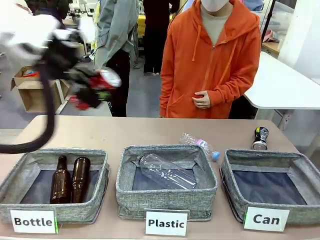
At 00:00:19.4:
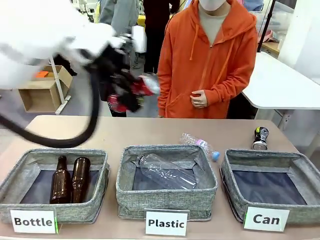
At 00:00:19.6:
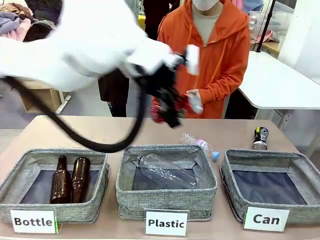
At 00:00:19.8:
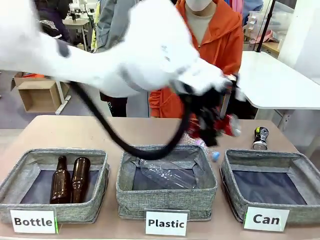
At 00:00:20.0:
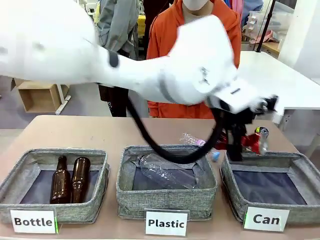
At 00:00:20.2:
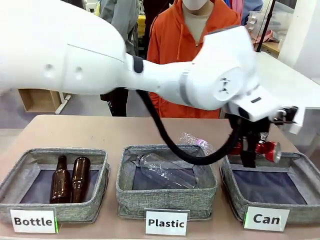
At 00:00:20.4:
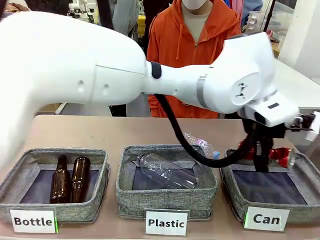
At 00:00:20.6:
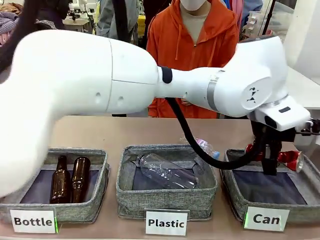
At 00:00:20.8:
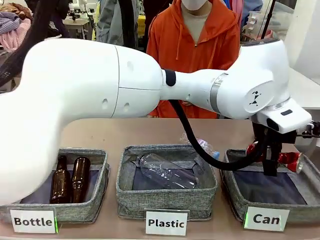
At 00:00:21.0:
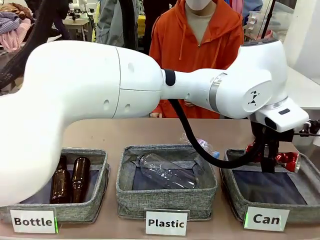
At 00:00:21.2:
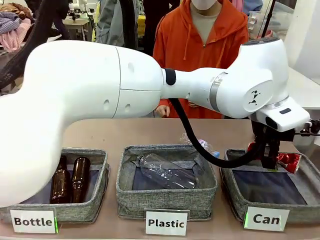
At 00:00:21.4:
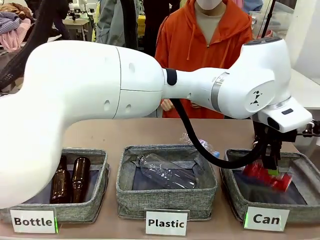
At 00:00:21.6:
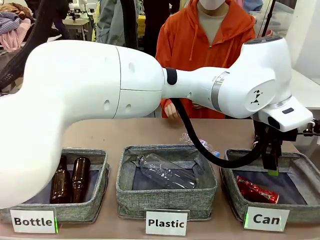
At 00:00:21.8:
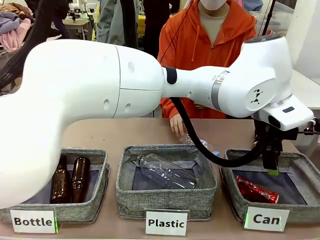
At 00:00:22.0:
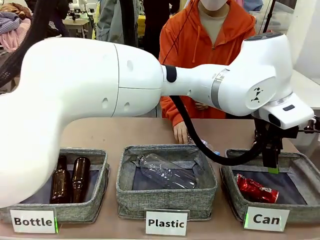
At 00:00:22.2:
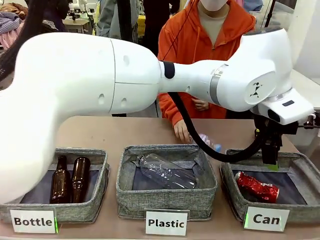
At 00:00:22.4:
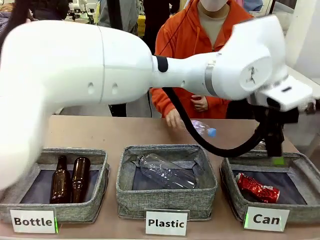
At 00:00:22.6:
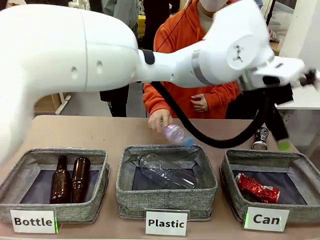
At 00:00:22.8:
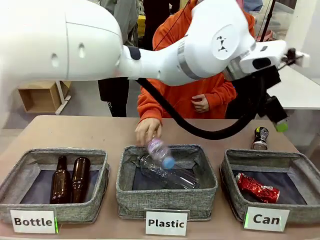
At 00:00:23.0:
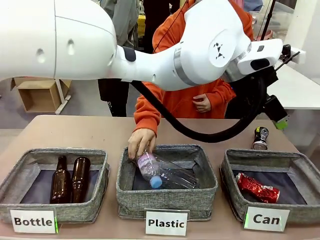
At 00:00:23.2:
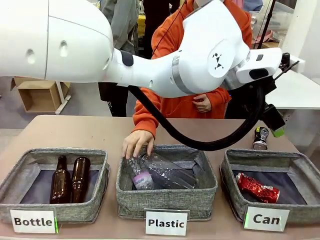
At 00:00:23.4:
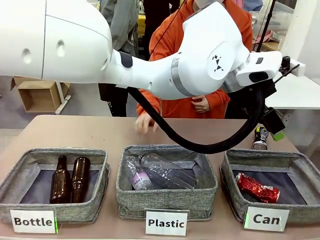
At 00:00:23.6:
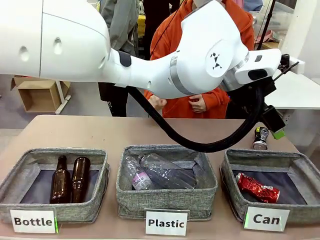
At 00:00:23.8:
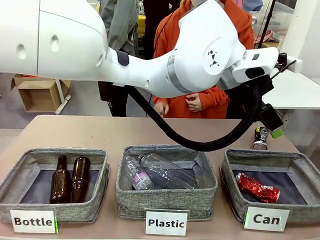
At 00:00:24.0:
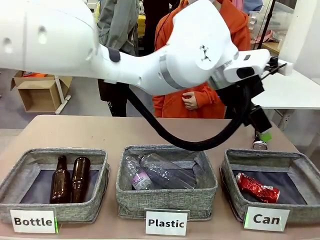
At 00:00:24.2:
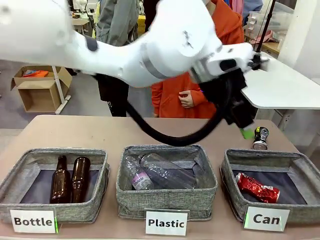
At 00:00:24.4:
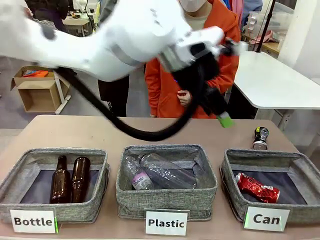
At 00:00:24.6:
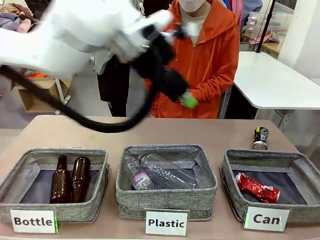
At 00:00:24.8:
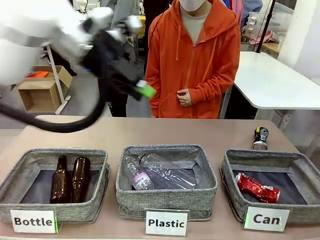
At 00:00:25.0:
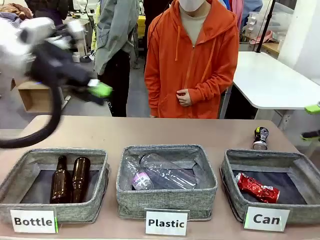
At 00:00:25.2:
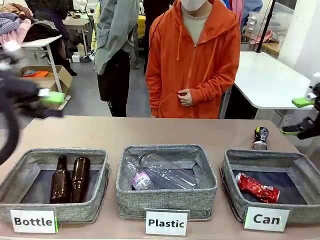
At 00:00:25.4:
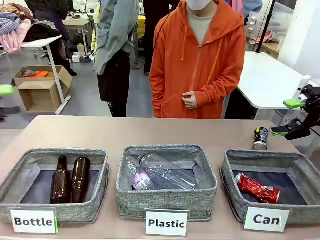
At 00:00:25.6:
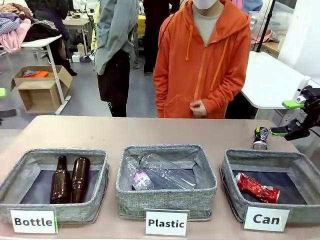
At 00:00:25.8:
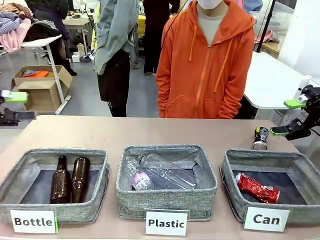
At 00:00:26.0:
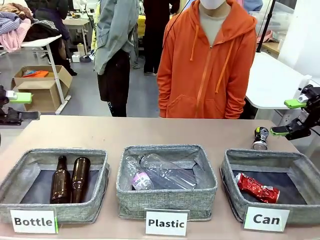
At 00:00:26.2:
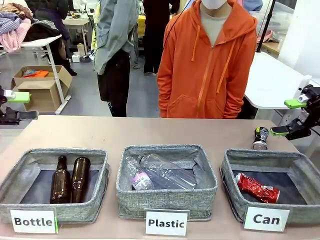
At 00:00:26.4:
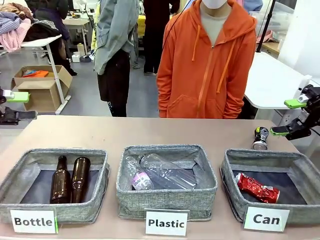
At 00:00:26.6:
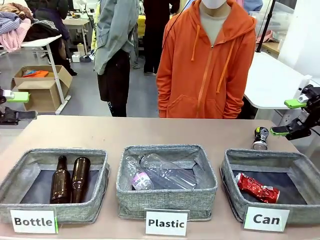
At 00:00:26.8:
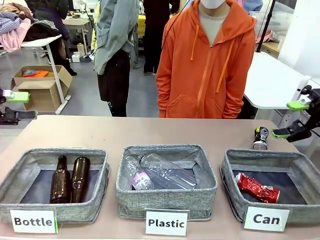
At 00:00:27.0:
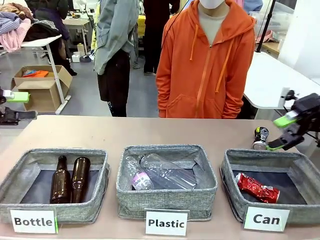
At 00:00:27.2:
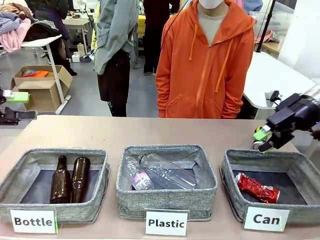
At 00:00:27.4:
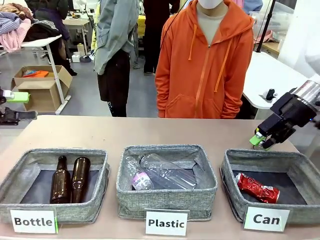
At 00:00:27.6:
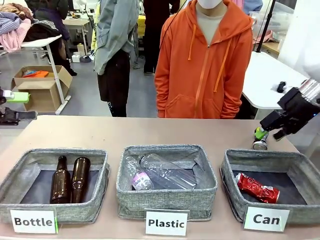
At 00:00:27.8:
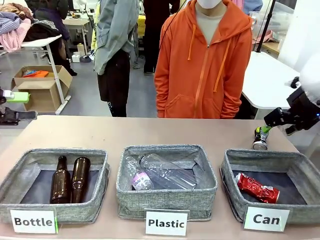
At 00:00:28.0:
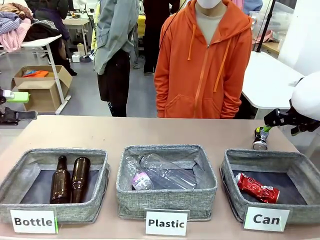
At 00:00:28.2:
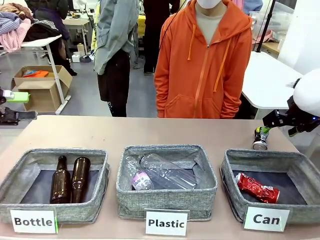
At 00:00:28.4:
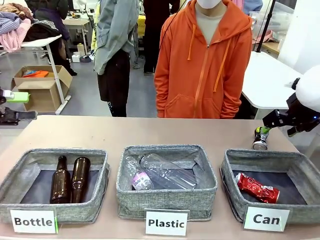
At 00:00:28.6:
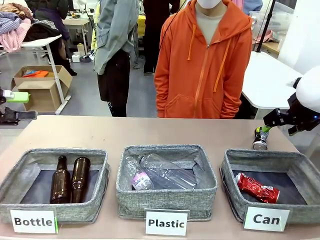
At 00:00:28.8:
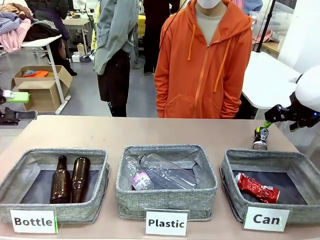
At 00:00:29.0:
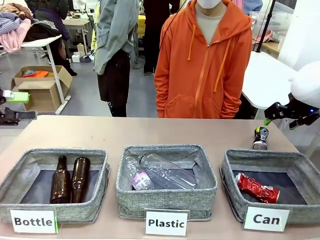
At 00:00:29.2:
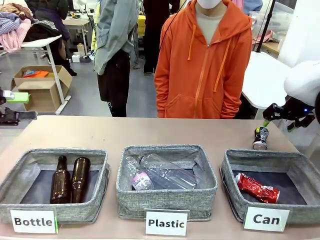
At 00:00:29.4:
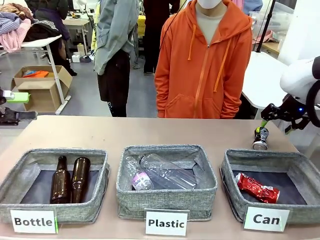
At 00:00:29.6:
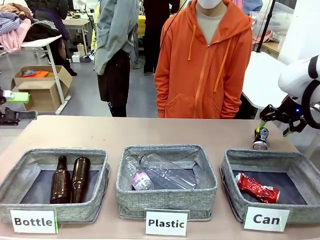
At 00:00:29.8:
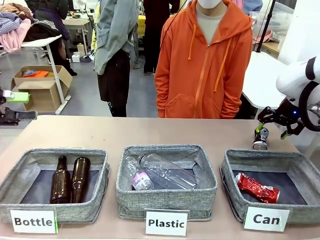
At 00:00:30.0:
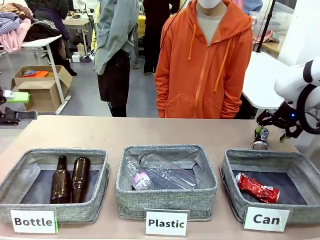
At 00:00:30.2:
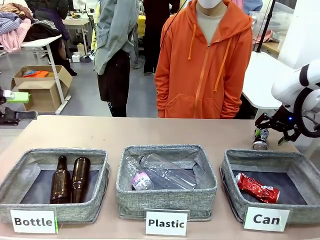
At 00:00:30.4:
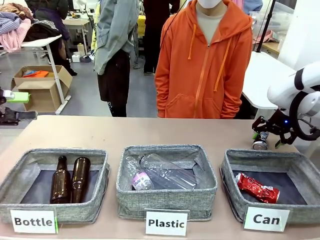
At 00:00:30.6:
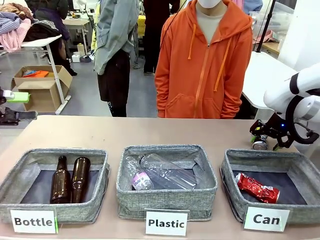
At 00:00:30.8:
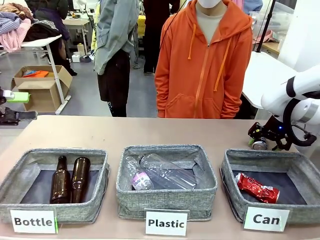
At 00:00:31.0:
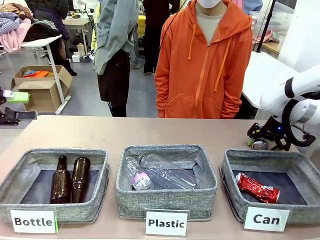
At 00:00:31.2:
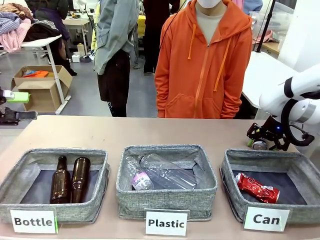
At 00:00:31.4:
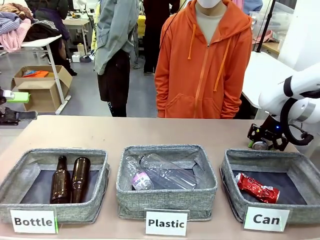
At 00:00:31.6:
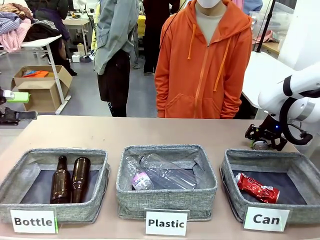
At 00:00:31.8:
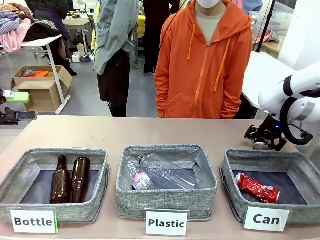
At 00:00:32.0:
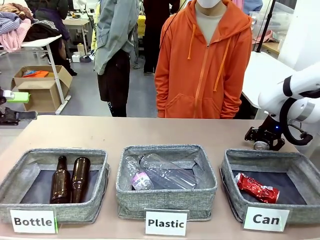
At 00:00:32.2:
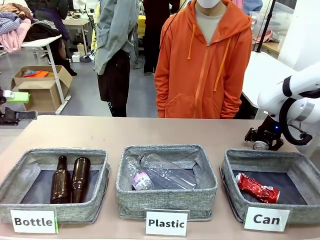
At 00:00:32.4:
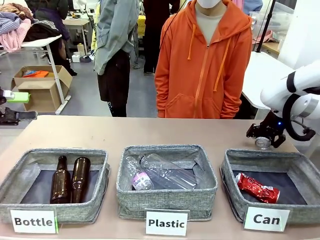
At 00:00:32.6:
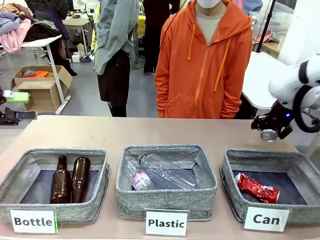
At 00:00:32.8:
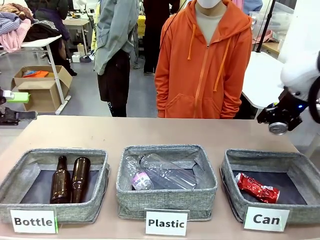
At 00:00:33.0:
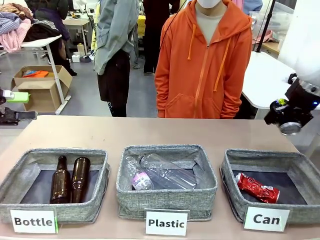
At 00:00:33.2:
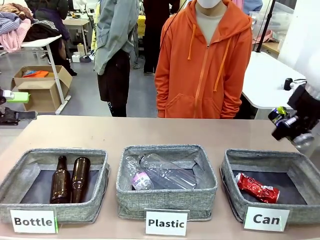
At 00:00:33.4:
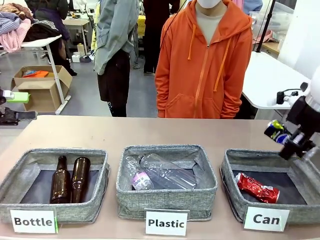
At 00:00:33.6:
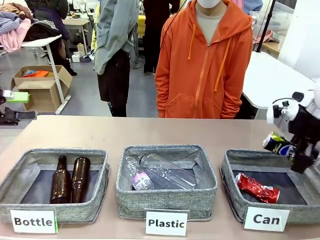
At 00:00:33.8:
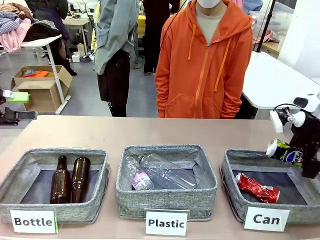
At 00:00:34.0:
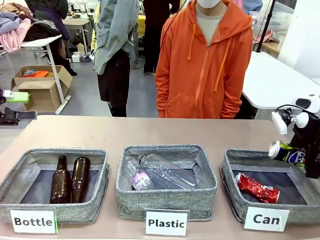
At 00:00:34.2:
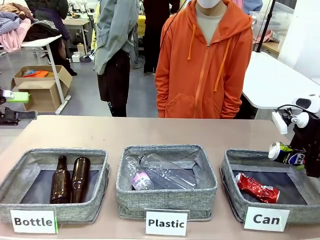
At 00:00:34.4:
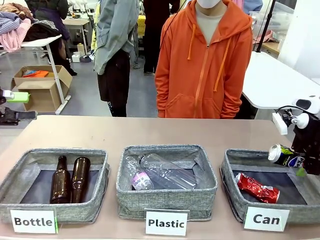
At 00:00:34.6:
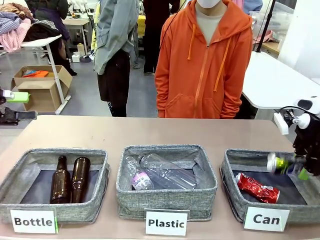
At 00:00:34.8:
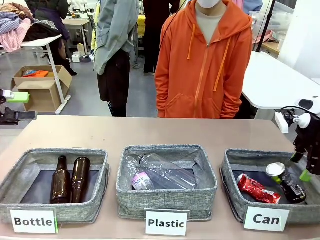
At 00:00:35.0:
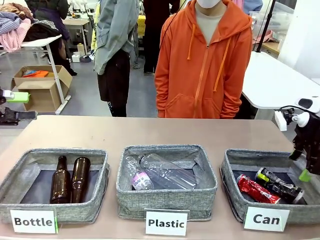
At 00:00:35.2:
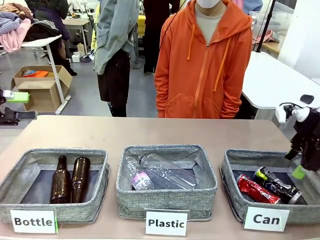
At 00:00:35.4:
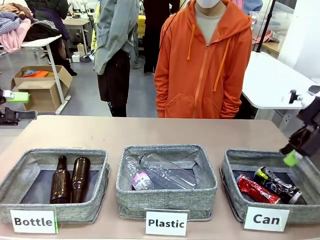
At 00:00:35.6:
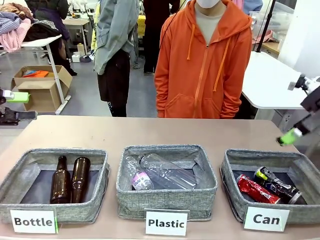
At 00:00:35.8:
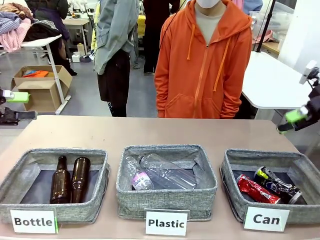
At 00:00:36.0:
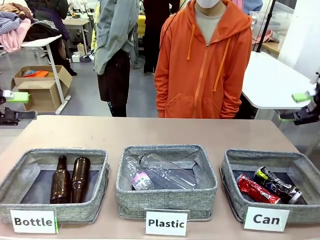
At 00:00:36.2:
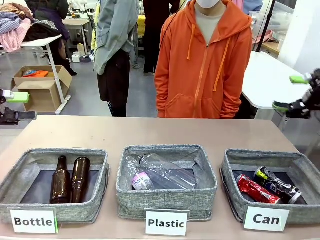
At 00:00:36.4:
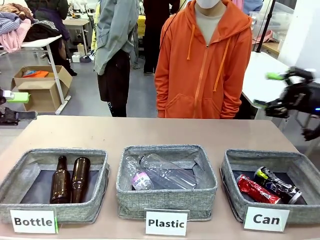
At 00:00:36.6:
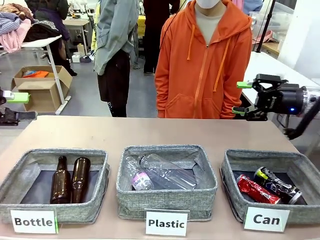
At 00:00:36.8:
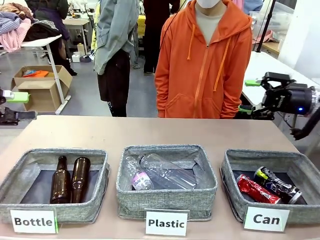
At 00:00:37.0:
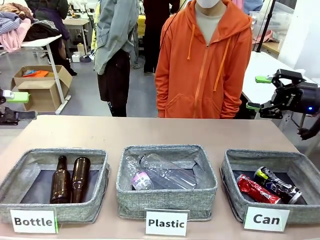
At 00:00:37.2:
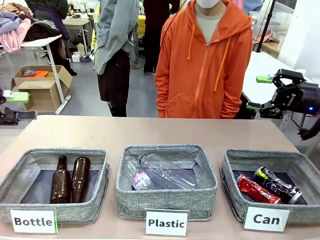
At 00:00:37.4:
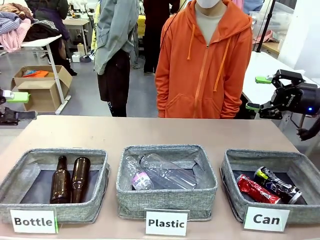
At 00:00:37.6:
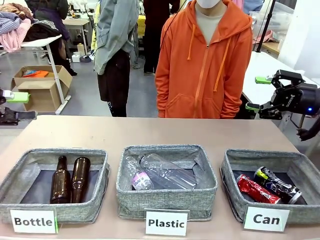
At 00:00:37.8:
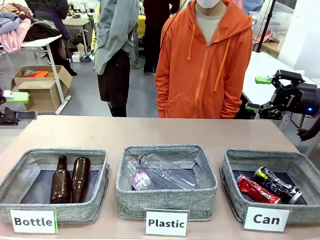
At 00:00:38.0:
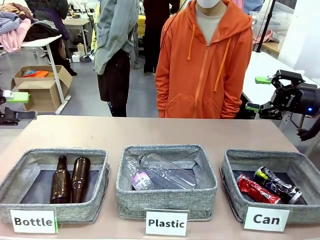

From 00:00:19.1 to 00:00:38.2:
Task: Sort the can waste into the basket.
Robot: Pick up the can waste from the table and place it in the right Fabric basket.
